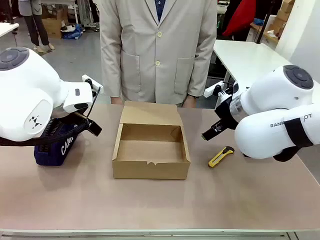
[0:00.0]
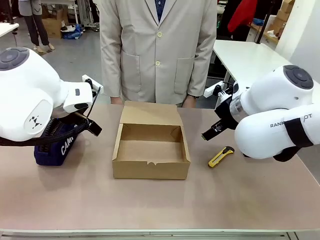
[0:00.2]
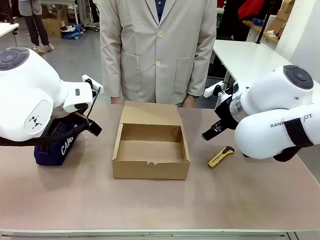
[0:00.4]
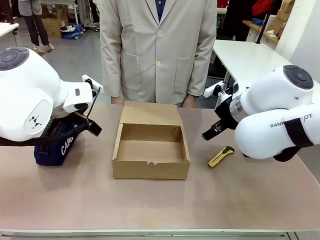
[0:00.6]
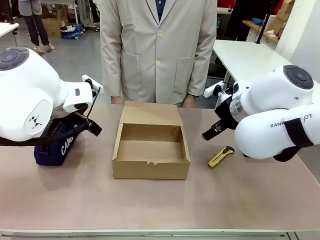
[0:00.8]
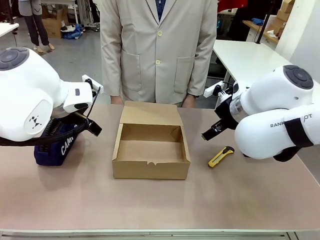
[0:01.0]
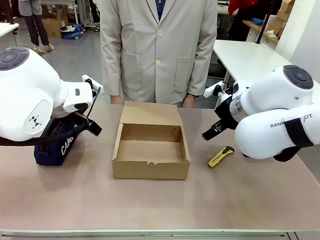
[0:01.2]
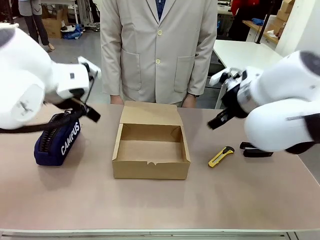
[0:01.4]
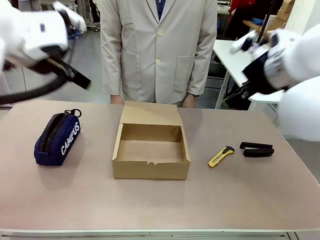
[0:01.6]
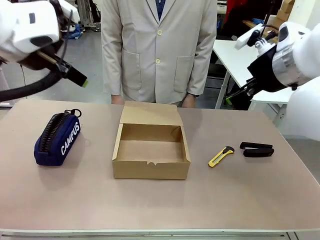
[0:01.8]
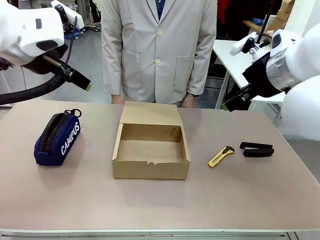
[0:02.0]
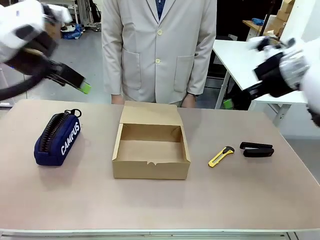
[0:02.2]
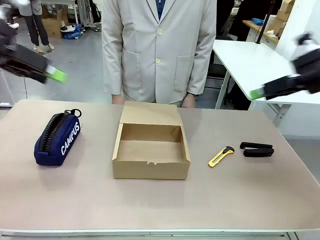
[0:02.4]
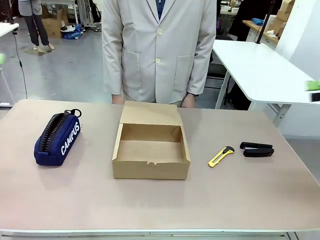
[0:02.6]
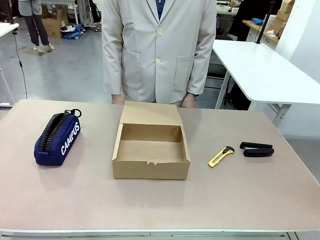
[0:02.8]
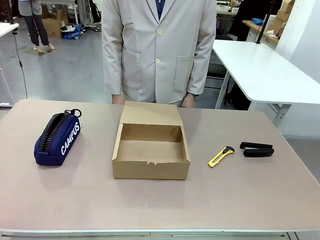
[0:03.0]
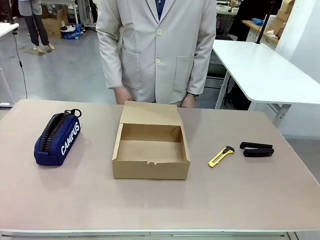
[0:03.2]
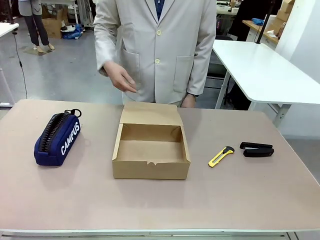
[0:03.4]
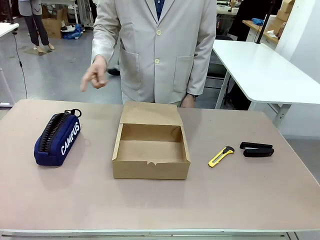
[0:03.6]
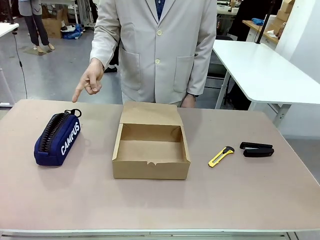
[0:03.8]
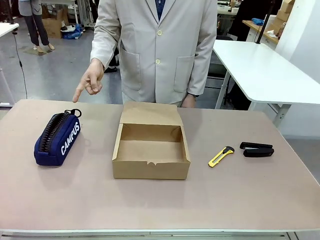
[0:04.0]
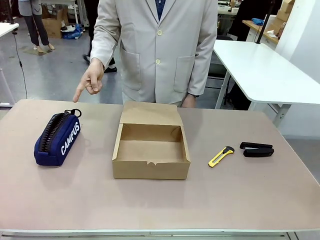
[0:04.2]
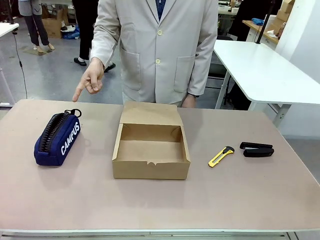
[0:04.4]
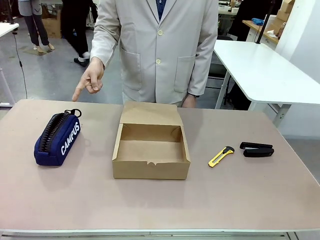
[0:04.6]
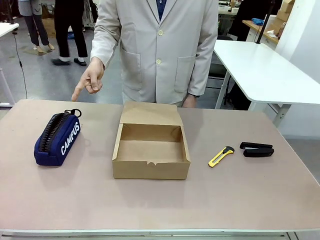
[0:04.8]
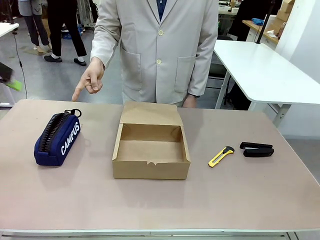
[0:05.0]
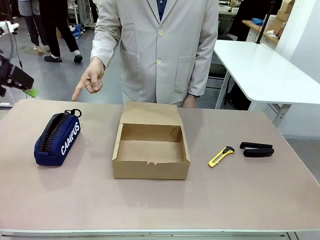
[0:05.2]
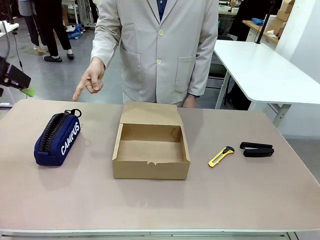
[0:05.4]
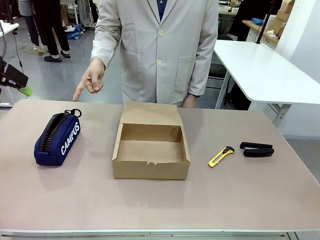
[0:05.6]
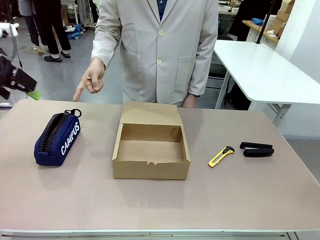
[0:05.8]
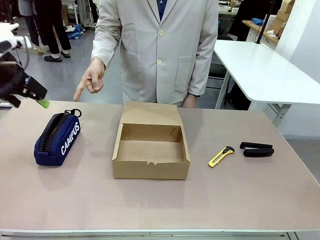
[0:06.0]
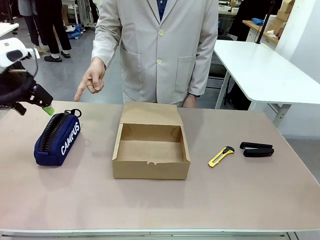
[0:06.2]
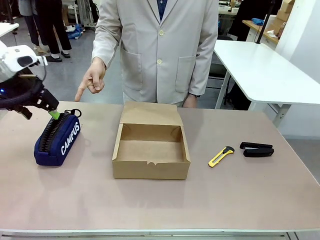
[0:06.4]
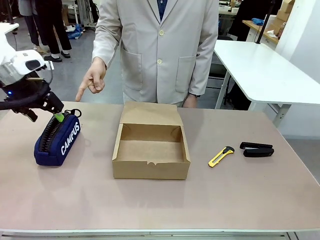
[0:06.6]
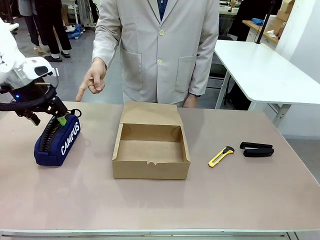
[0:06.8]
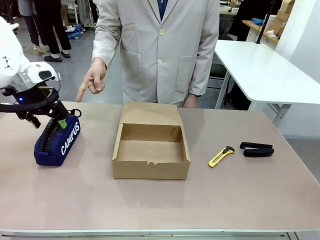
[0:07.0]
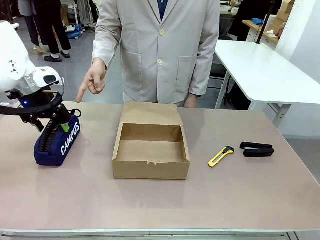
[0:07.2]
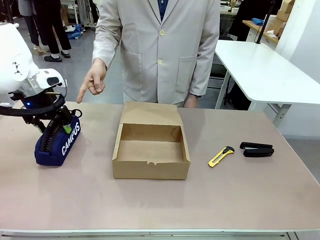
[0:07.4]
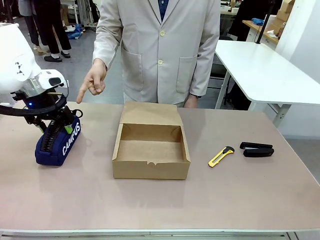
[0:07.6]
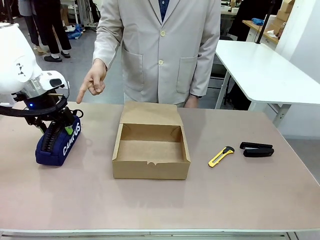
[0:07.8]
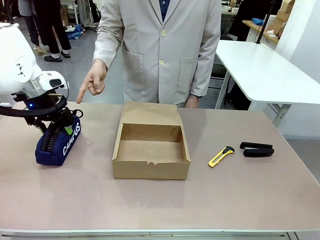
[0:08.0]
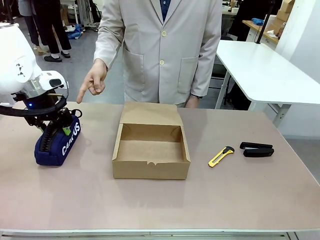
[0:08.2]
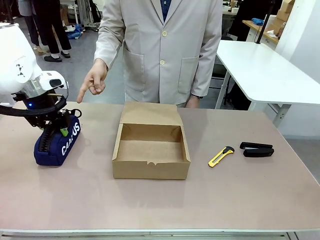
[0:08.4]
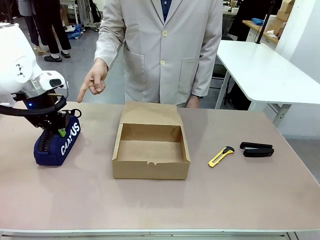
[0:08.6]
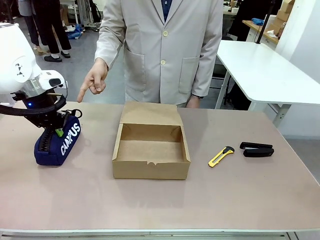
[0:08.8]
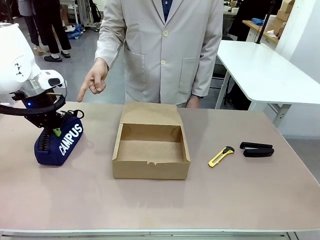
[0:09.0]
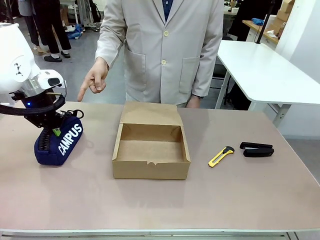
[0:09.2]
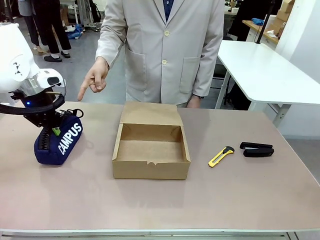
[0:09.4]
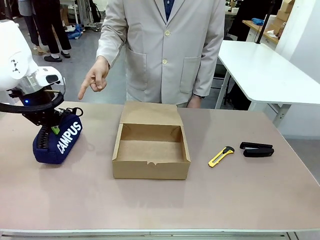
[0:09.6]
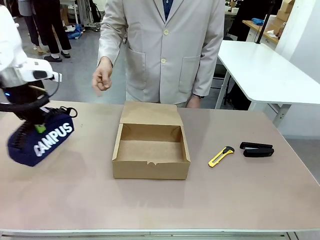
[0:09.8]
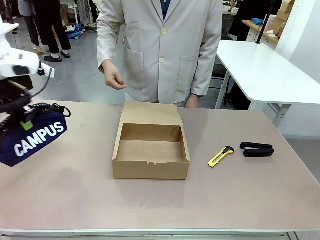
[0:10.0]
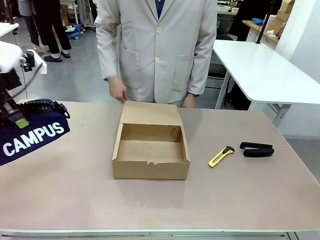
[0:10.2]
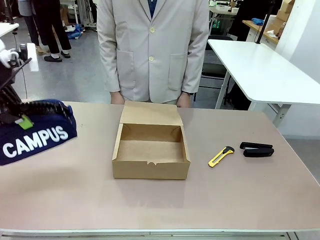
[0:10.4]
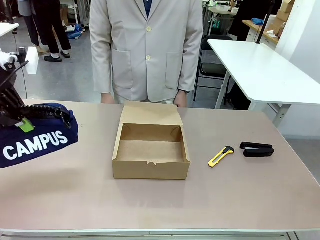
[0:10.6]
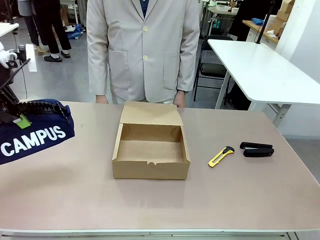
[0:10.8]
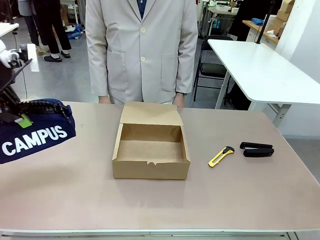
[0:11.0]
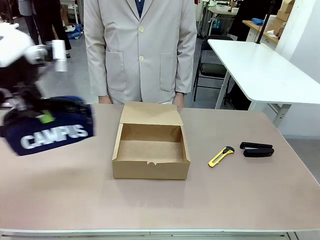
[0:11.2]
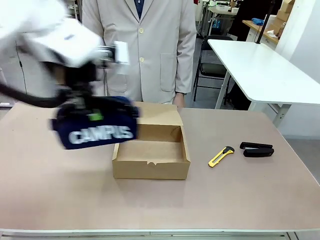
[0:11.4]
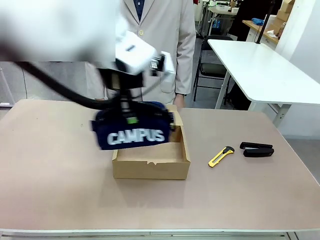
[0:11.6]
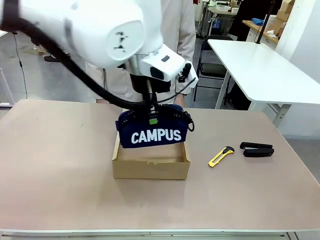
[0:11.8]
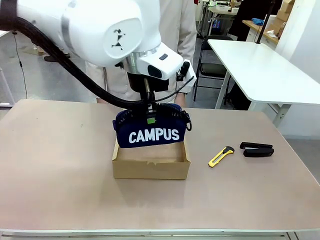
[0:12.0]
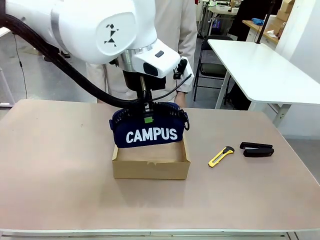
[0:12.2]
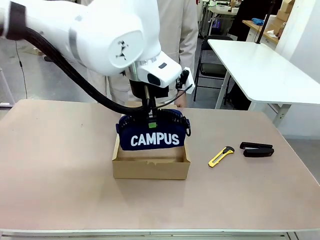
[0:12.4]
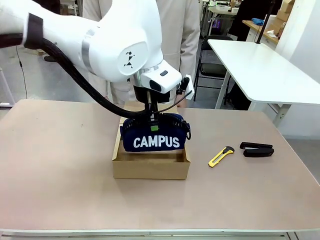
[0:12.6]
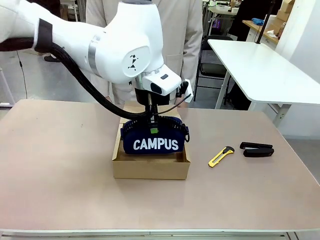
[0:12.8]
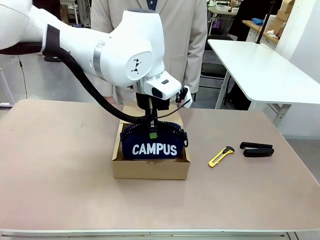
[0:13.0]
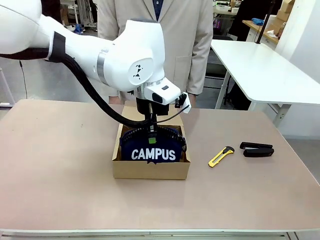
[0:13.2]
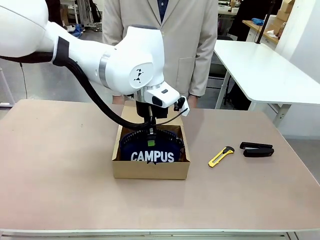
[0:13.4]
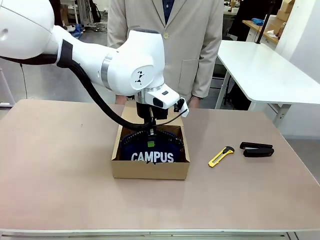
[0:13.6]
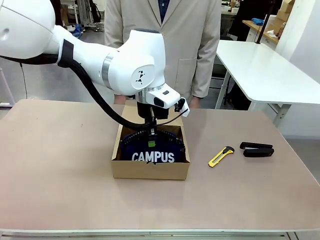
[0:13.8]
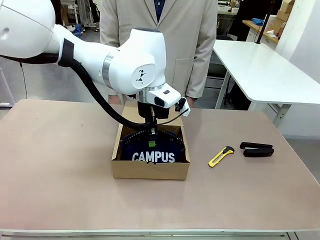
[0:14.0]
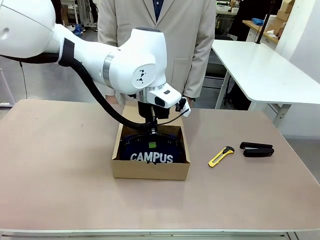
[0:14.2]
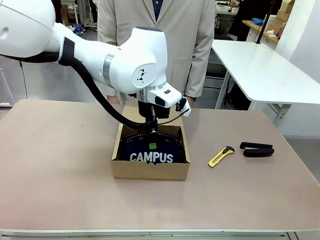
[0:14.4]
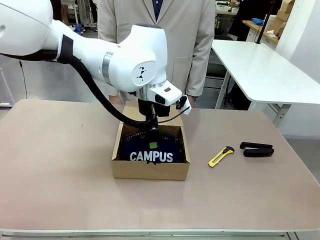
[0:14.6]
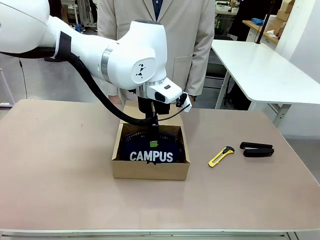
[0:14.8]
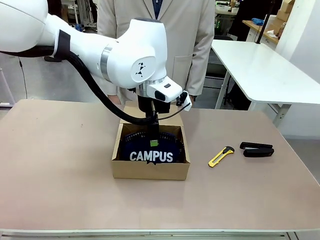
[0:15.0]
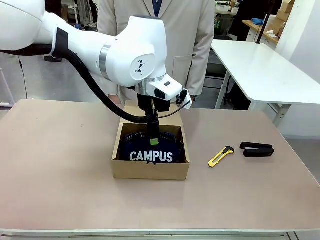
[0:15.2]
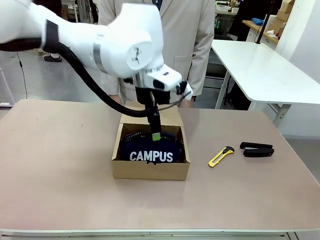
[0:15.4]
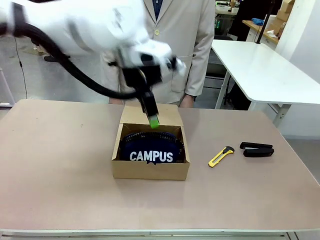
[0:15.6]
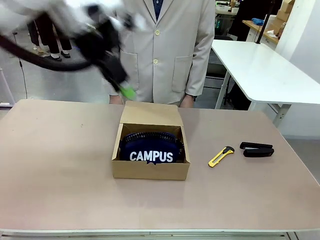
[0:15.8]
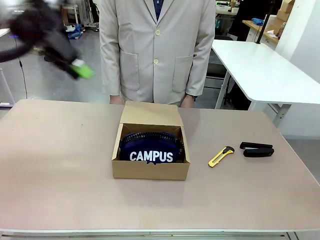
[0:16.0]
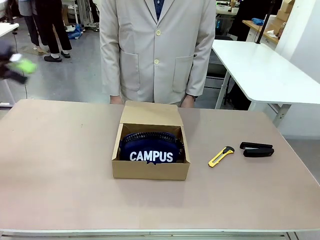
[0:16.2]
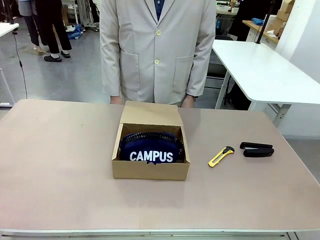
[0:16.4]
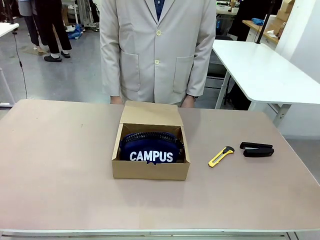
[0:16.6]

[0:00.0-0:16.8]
Task: Pack the item into the box.
Robot: Pick up the item indicated by the person and place it inside the Mailer Box.
Person: Point at one item on the table (excluding the box).
